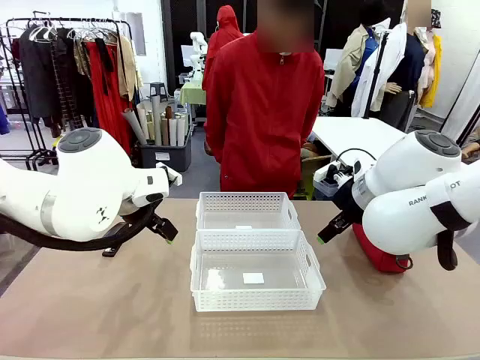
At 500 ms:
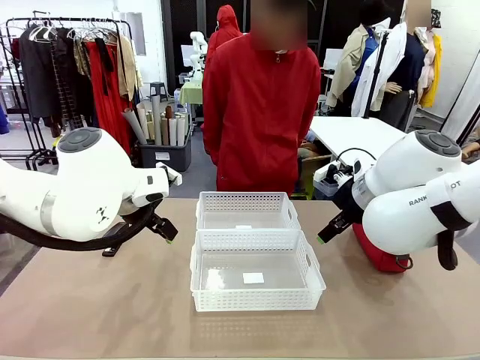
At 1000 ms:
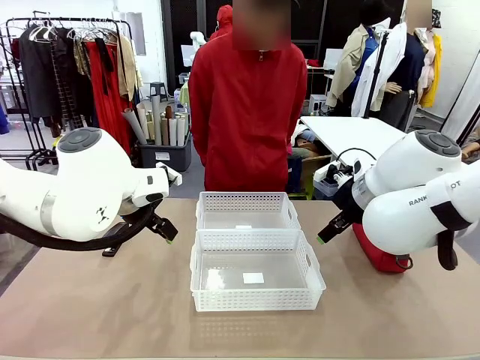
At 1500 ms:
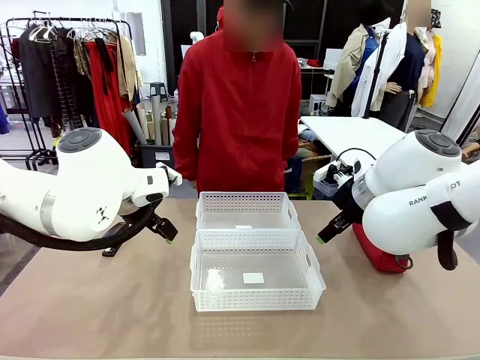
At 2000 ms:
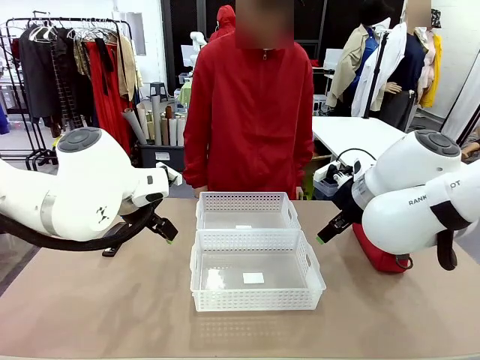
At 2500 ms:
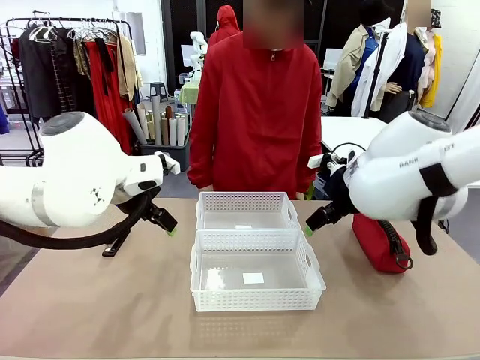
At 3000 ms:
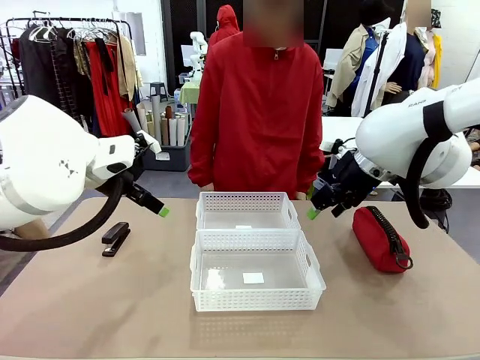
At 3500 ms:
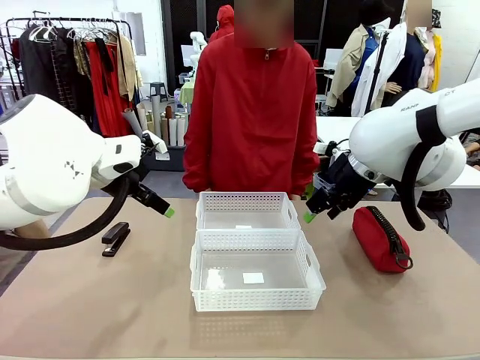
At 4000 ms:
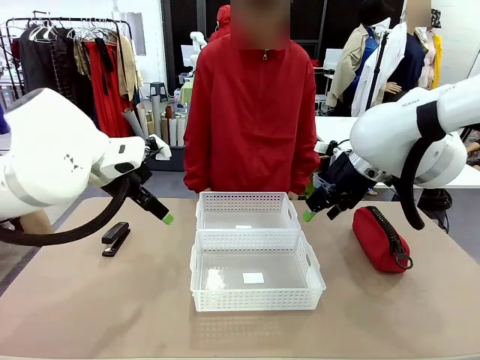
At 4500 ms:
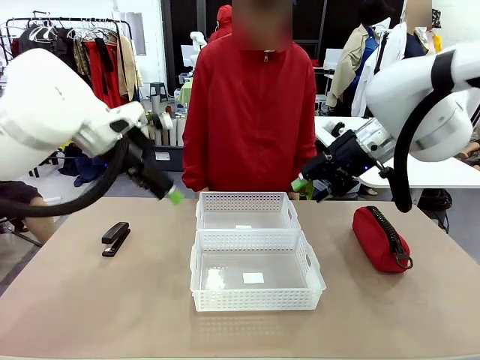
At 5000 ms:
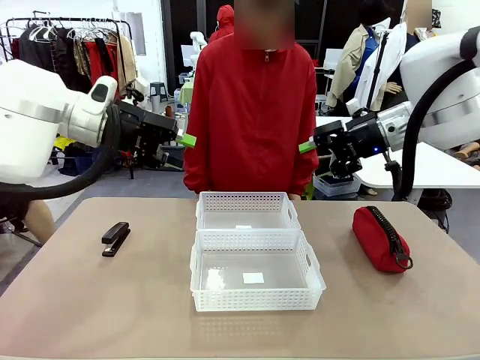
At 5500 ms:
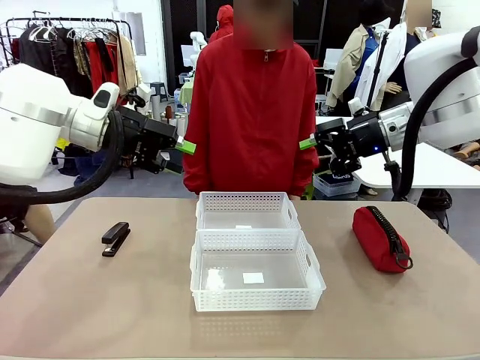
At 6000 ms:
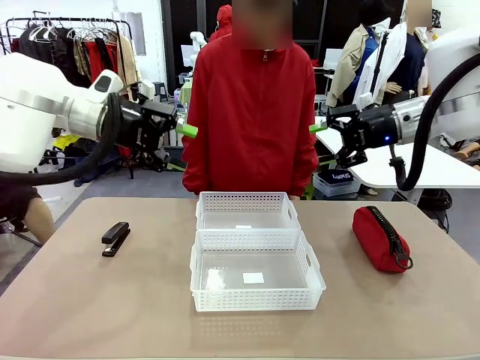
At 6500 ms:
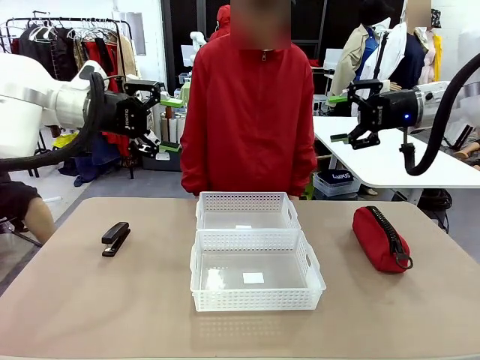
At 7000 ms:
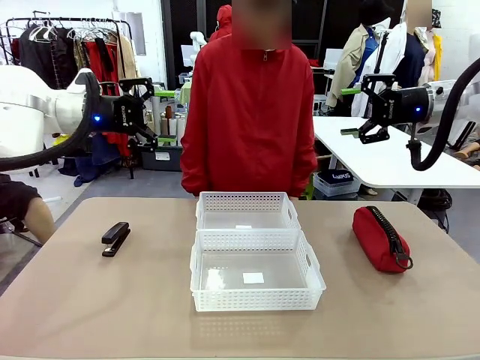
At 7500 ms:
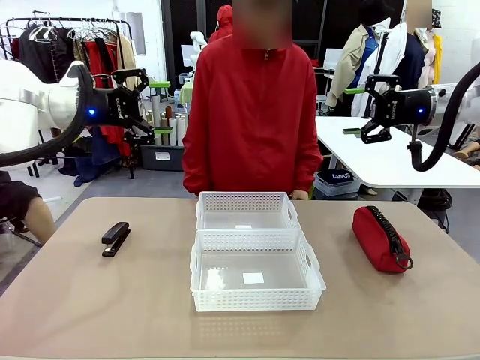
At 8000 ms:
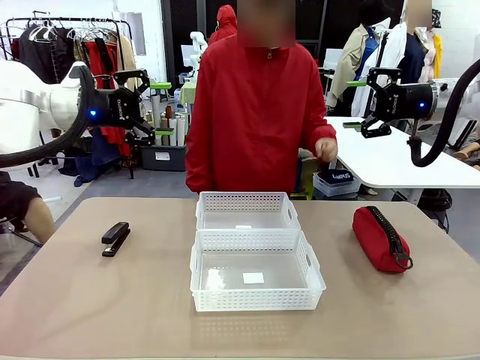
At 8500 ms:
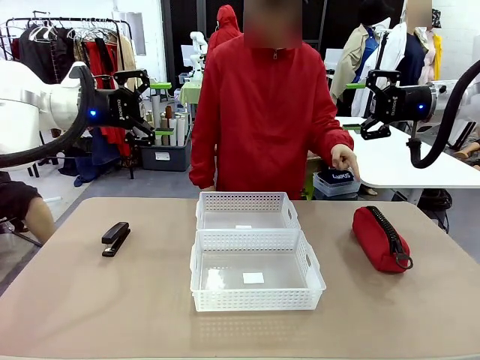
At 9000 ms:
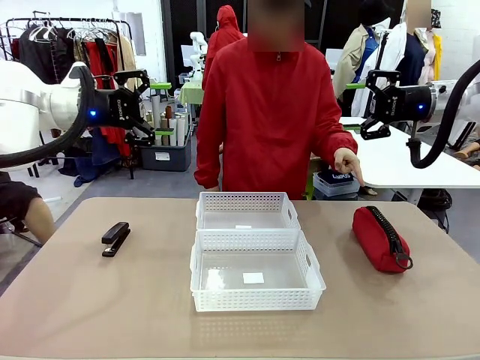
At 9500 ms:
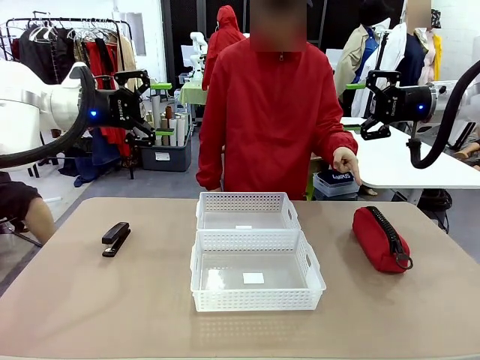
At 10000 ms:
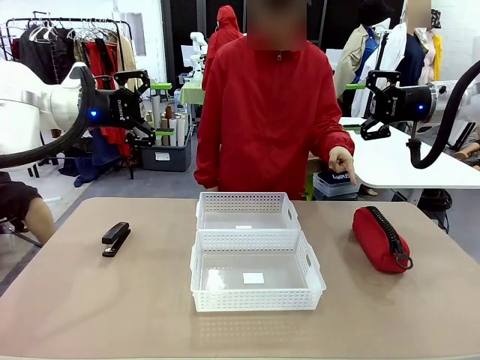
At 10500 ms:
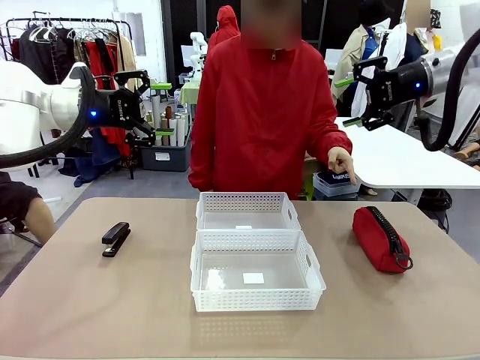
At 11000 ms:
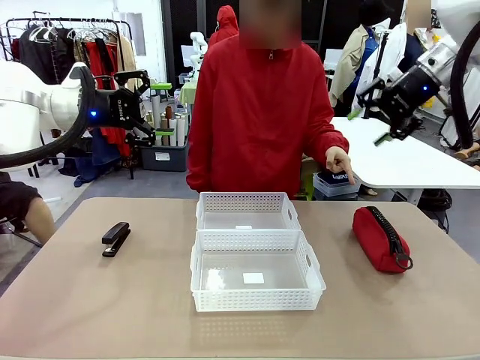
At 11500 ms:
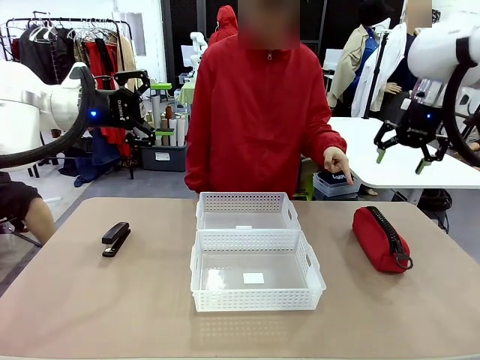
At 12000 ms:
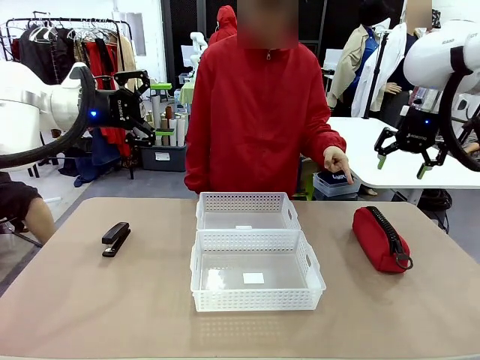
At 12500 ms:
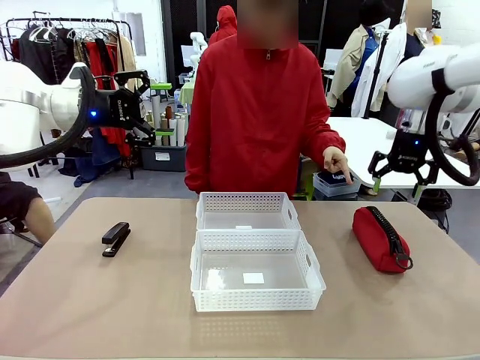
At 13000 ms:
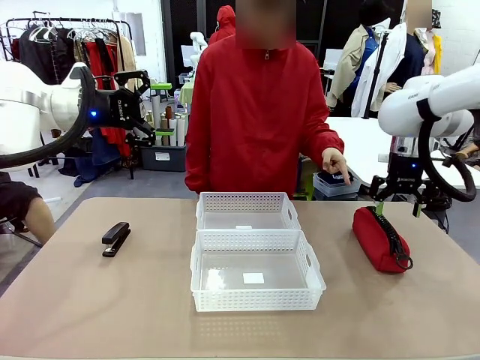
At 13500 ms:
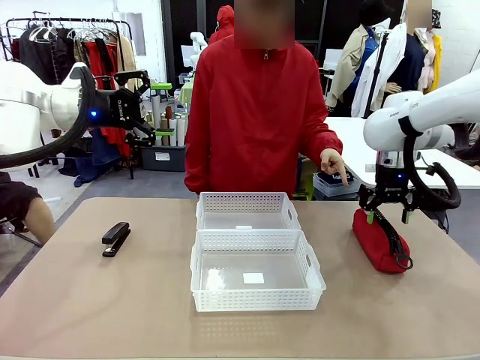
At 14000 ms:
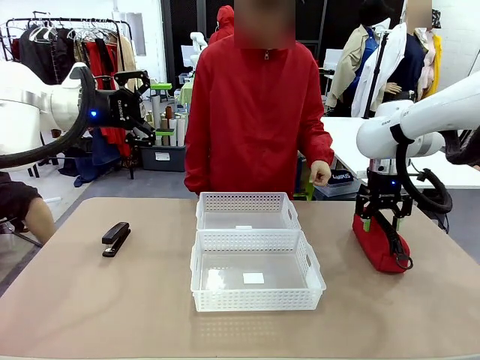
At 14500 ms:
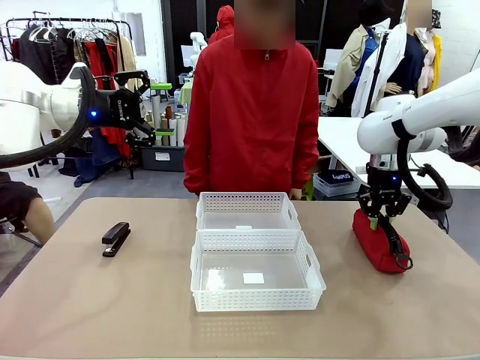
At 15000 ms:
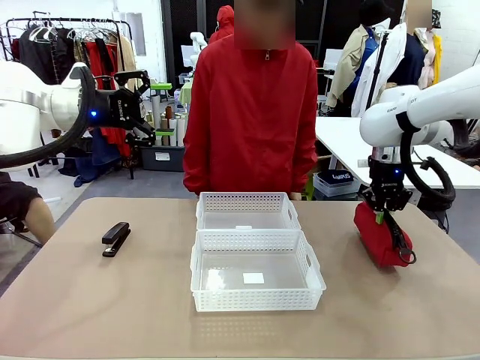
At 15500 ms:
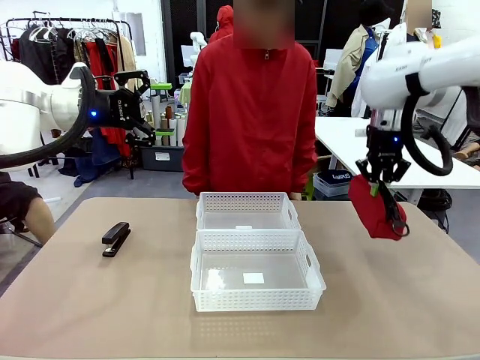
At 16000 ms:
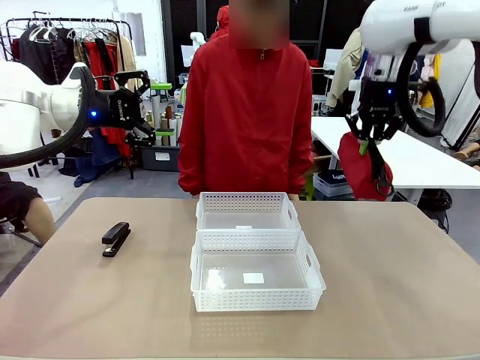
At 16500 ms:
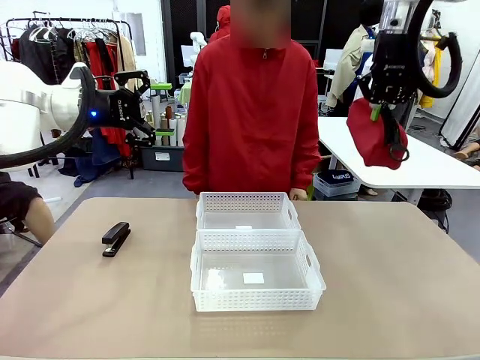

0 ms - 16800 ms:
Task: Distribute items into two baskets.
Robot: Pick up the Pencil pouch that the person points to.
Person: Points to the pencil case. Points between the two organizing baskets and instructs the robot to move the pencil case.

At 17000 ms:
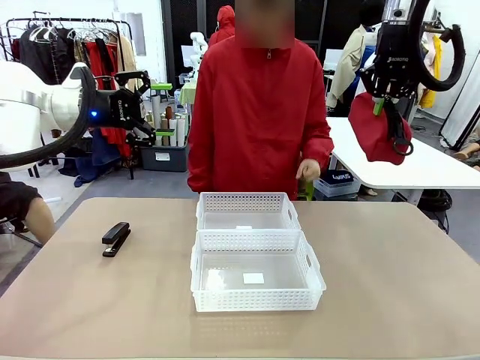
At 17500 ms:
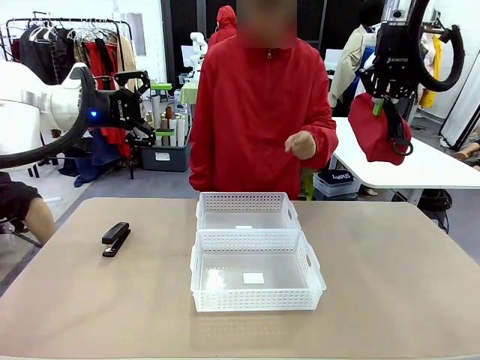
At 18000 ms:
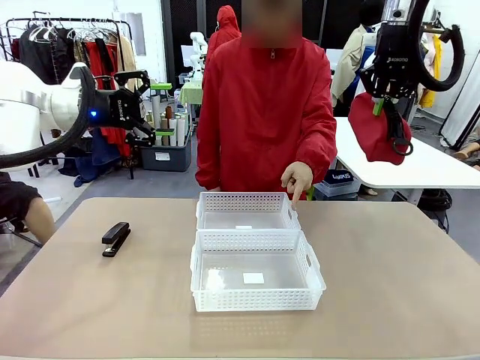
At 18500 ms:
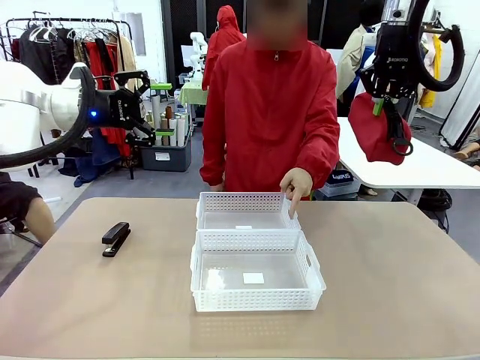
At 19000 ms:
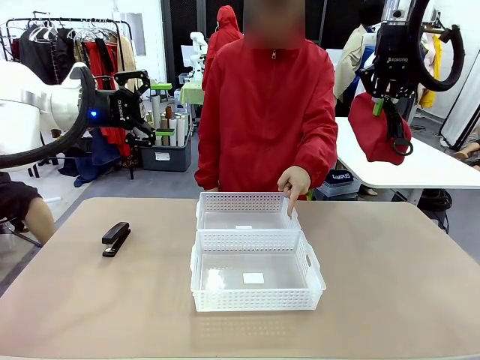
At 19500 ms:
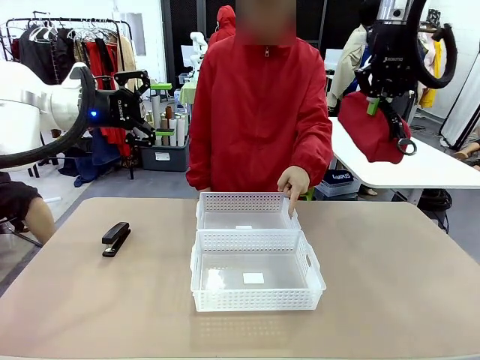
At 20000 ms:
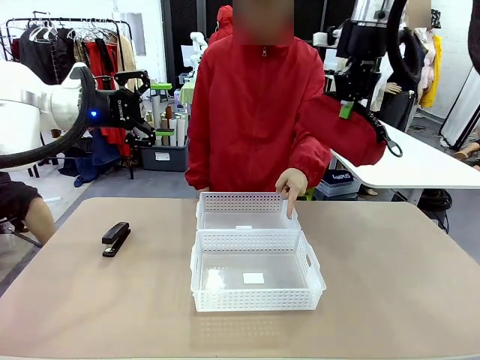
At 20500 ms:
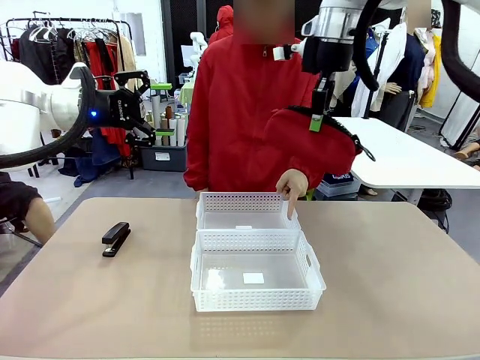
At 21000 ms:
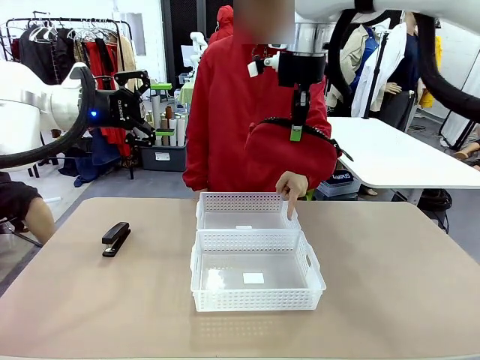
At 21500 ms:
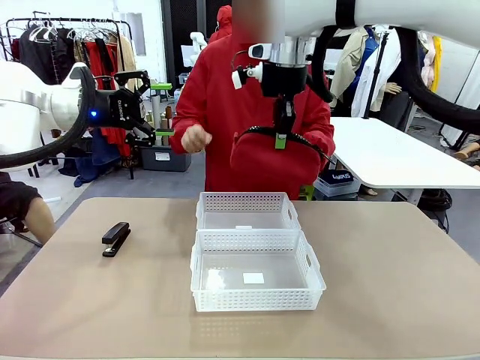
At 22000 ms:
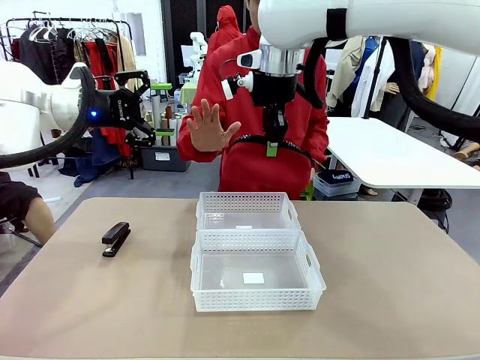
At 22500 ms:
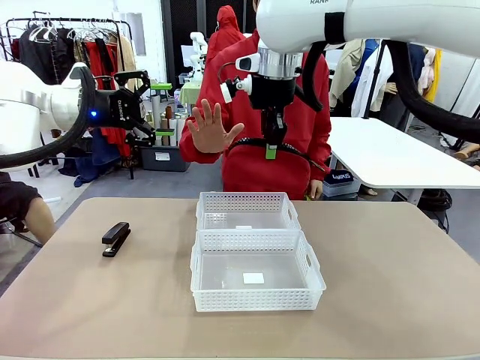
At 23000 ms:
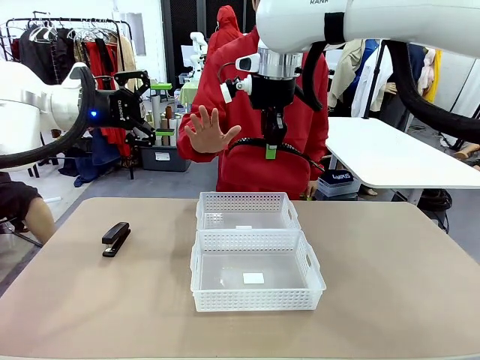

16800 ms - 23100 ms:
Robot: Move the picked Pencil pouch towards the Organizing basket indicated by the person, stopping as directed.
Person: Sends a stop gesture before the robot places the pencil case into the basket.

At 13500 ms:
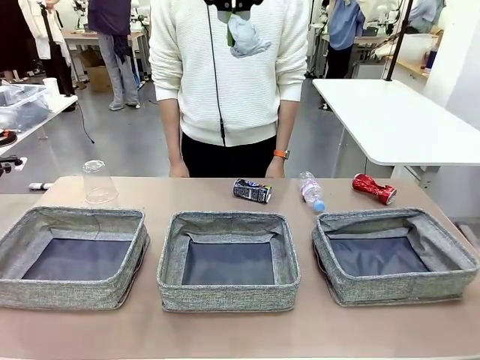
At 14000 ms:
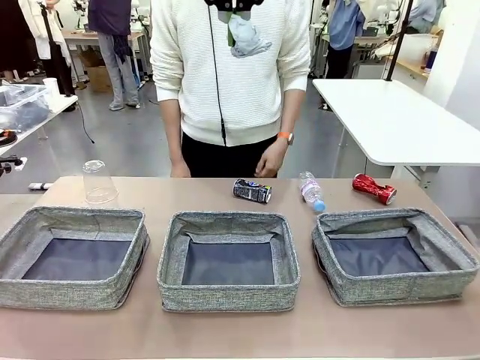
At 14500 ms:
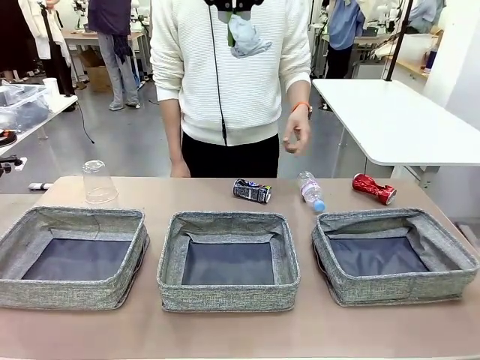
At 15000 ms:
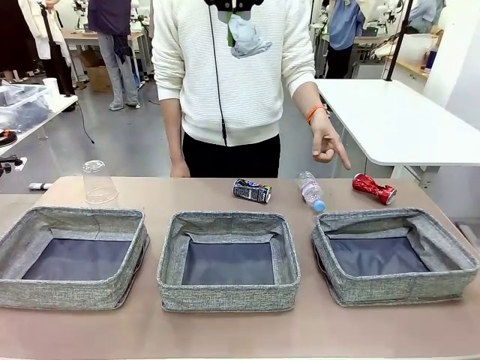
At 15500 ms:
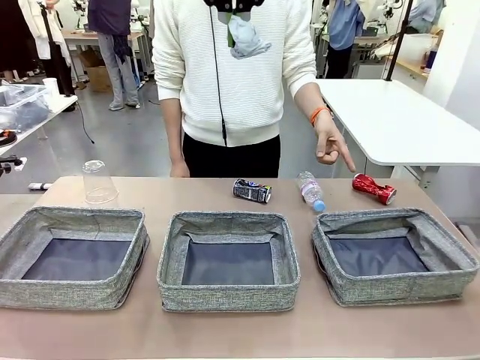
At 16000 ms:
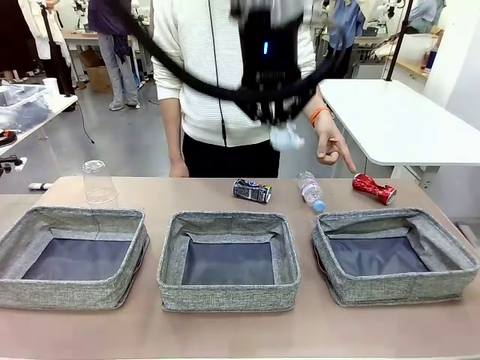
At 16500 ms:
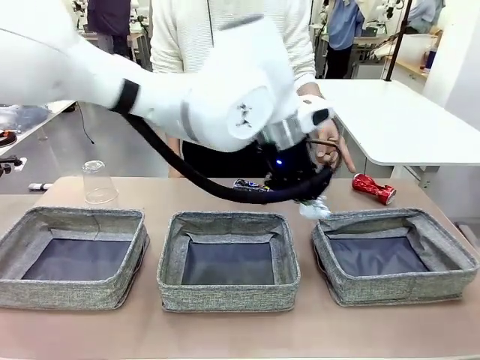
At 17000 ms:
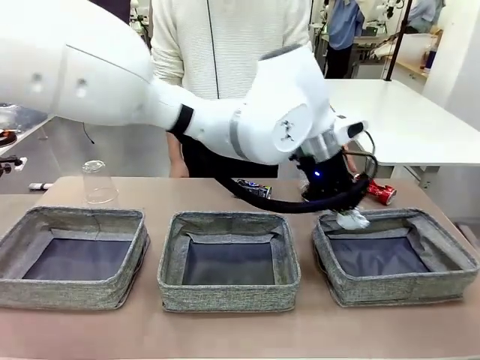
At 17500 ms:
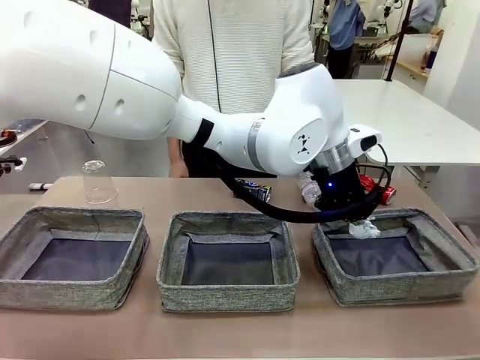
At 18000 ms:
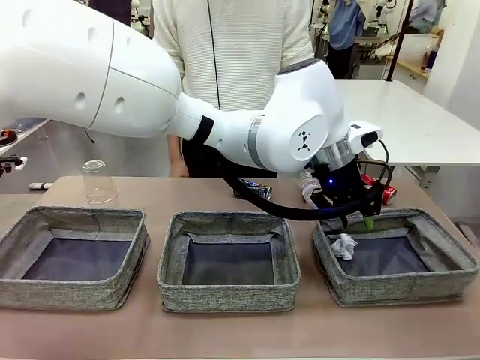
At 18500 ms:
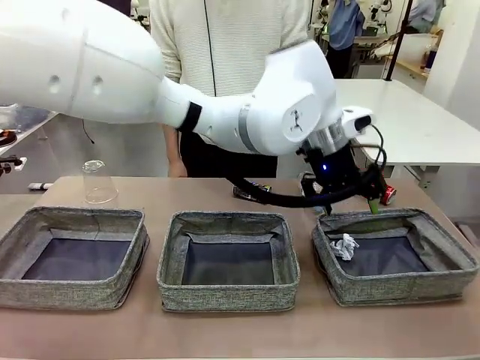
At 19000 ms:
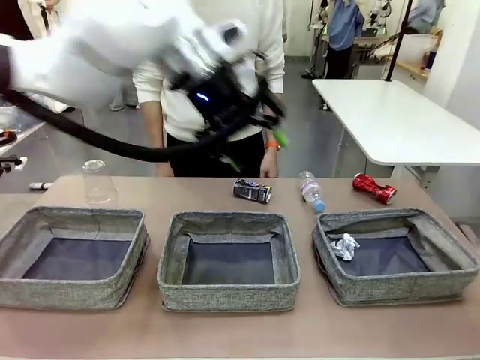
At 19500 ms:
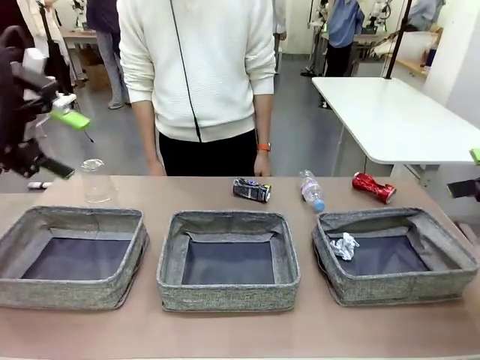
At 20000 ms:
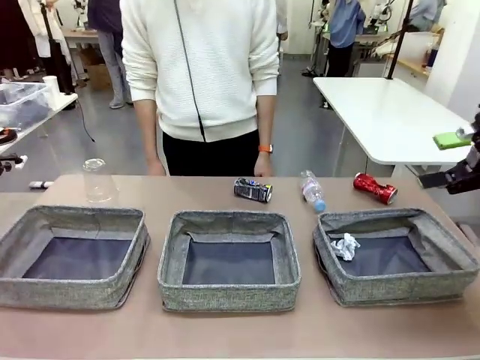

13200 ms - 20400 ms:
Task: Sort the waste into the appropriate baskets.
Robot: Place the picked waste into the Fabric basket indicated by the person.
Person: Instructs the robot to place the picked-up trash into the appropriate organizing basket.
